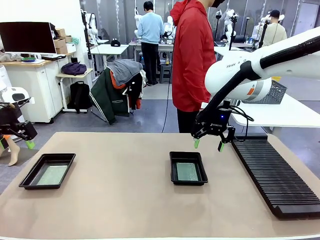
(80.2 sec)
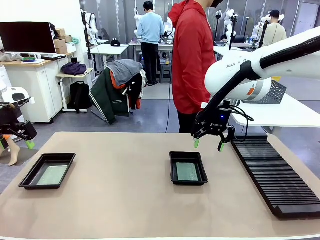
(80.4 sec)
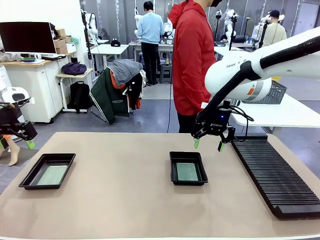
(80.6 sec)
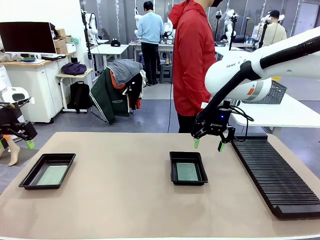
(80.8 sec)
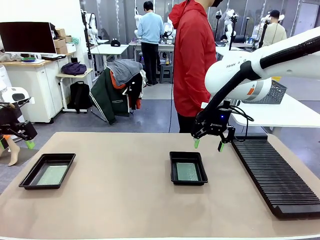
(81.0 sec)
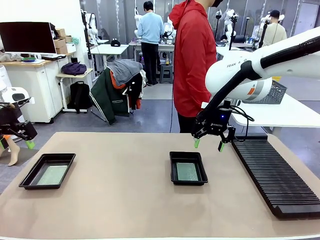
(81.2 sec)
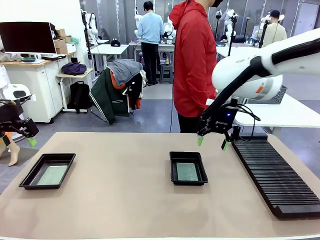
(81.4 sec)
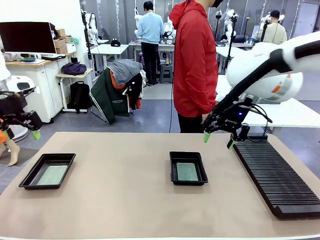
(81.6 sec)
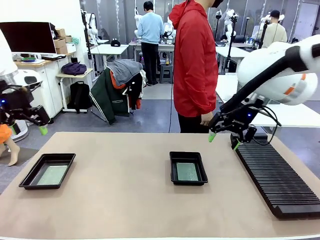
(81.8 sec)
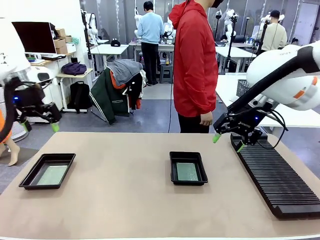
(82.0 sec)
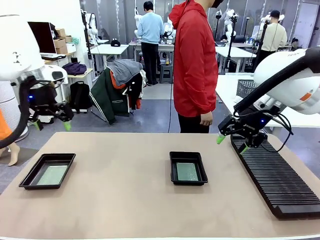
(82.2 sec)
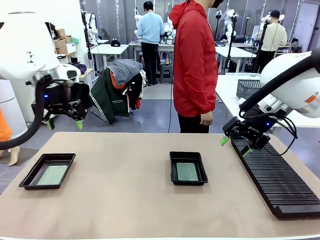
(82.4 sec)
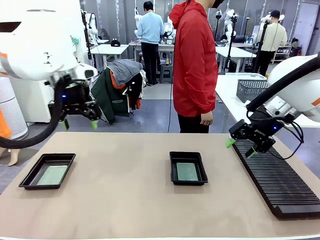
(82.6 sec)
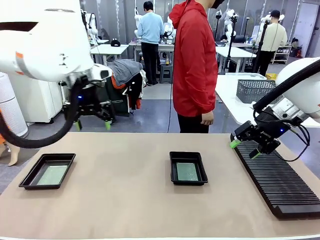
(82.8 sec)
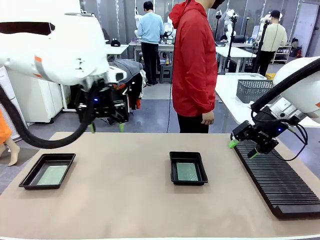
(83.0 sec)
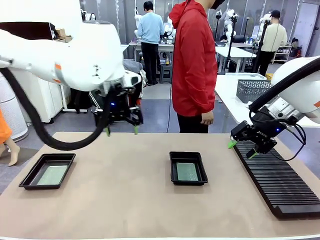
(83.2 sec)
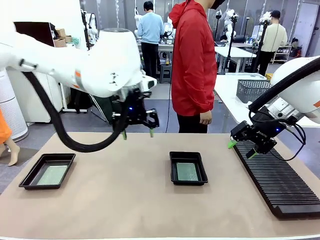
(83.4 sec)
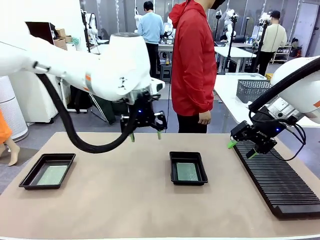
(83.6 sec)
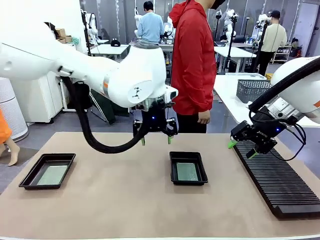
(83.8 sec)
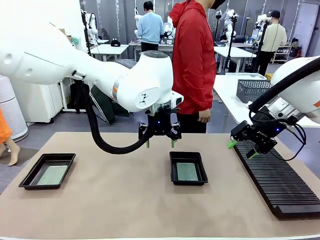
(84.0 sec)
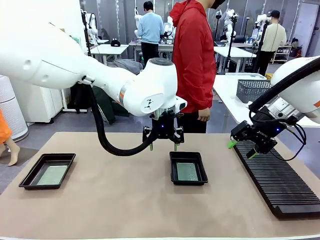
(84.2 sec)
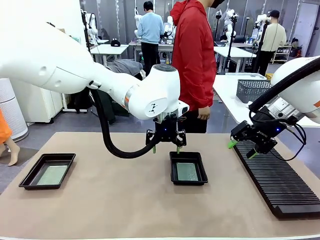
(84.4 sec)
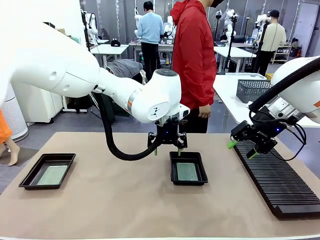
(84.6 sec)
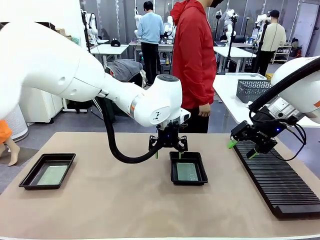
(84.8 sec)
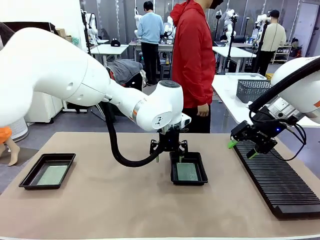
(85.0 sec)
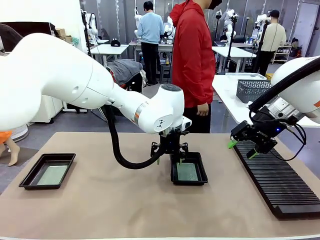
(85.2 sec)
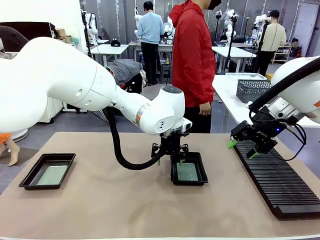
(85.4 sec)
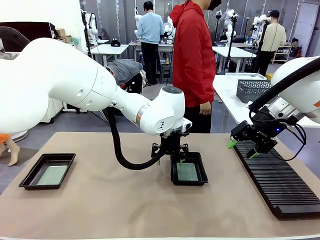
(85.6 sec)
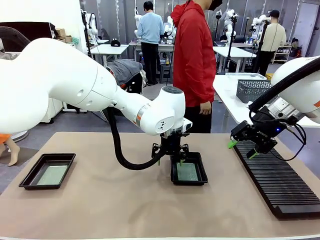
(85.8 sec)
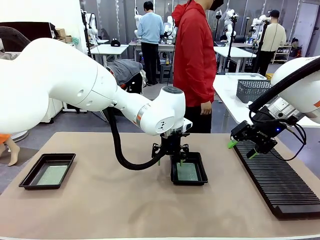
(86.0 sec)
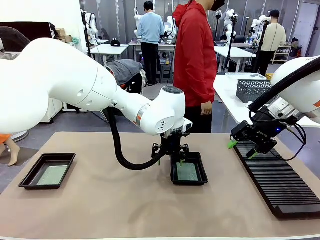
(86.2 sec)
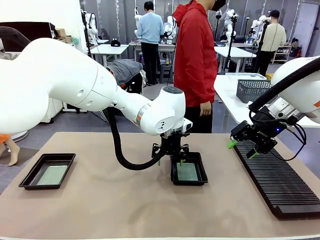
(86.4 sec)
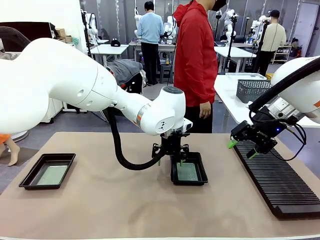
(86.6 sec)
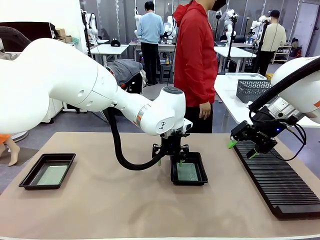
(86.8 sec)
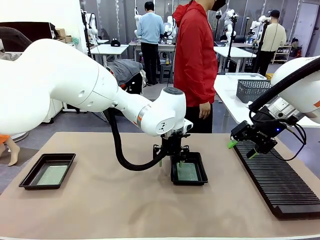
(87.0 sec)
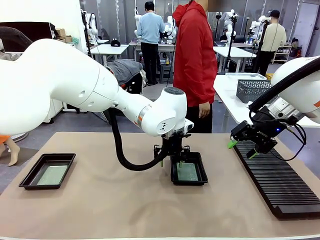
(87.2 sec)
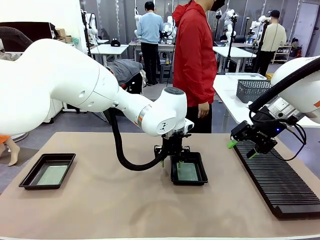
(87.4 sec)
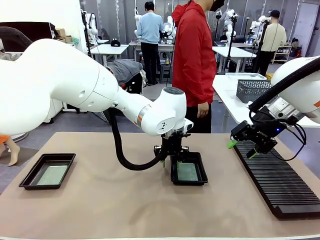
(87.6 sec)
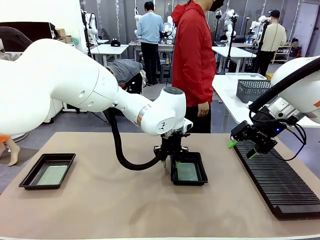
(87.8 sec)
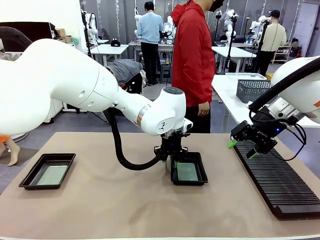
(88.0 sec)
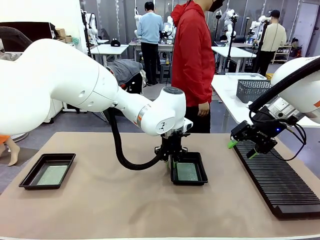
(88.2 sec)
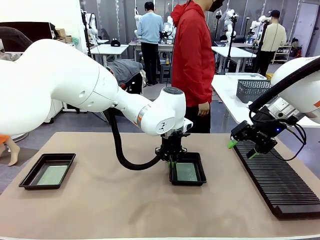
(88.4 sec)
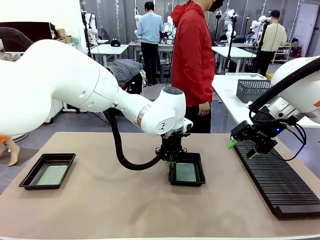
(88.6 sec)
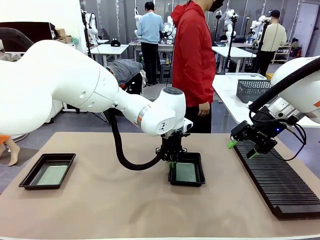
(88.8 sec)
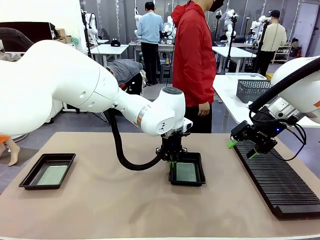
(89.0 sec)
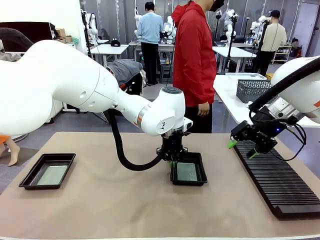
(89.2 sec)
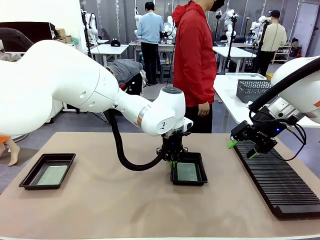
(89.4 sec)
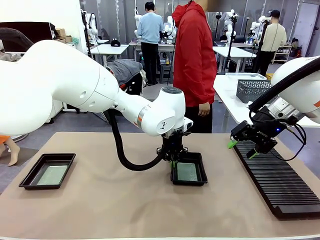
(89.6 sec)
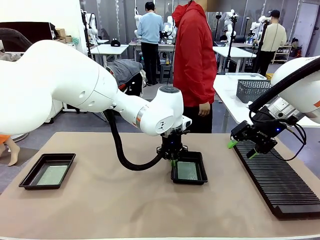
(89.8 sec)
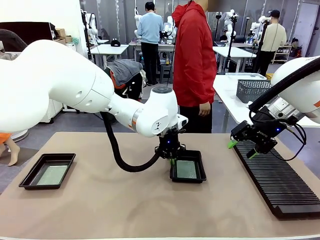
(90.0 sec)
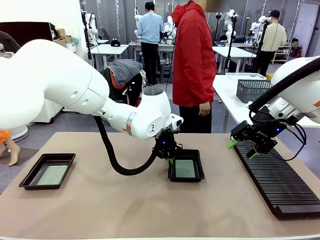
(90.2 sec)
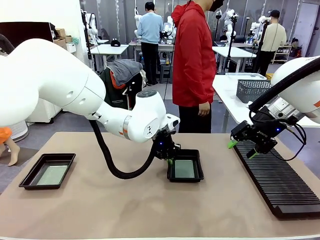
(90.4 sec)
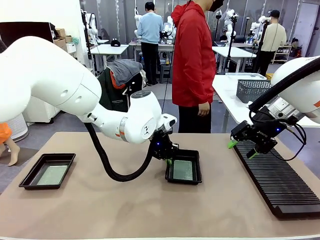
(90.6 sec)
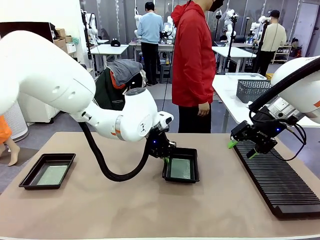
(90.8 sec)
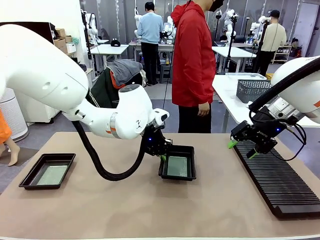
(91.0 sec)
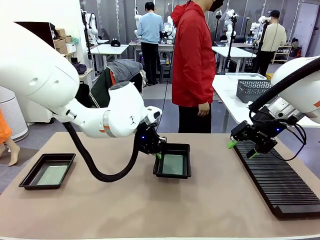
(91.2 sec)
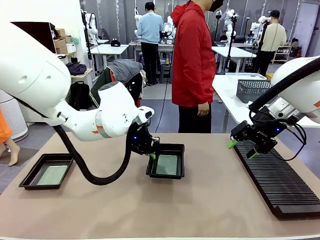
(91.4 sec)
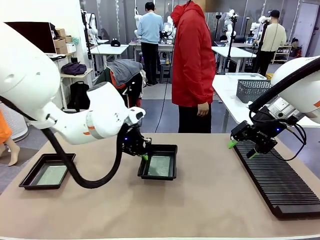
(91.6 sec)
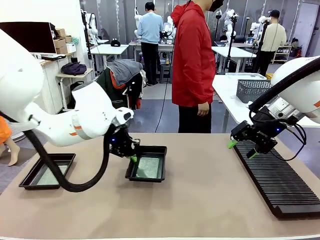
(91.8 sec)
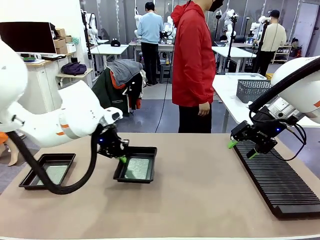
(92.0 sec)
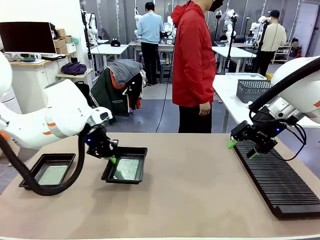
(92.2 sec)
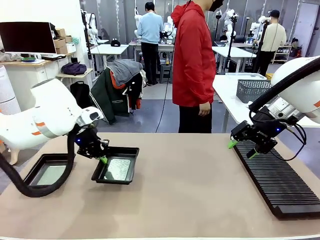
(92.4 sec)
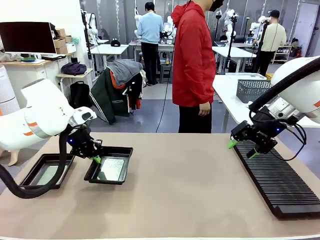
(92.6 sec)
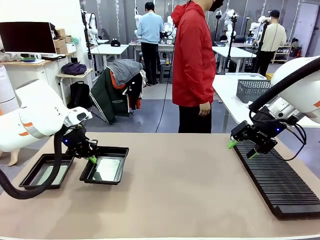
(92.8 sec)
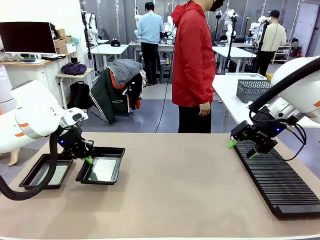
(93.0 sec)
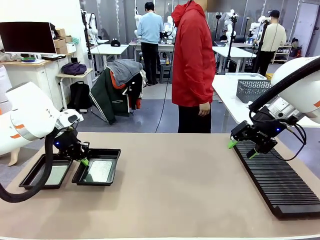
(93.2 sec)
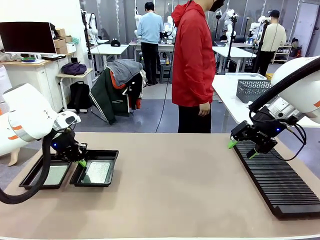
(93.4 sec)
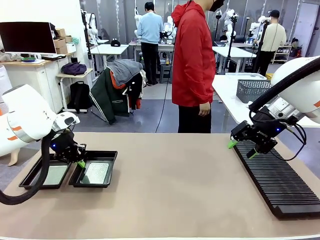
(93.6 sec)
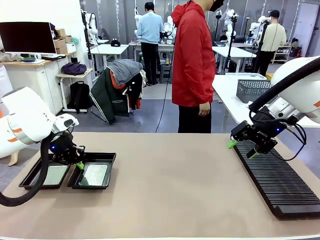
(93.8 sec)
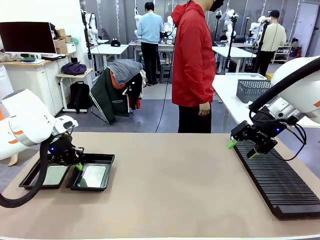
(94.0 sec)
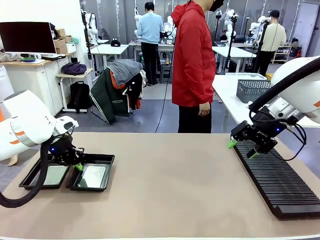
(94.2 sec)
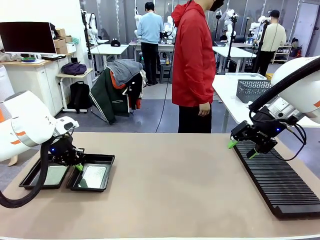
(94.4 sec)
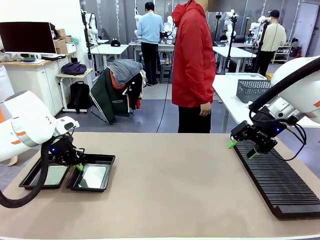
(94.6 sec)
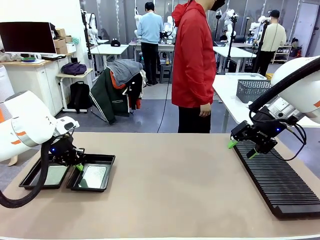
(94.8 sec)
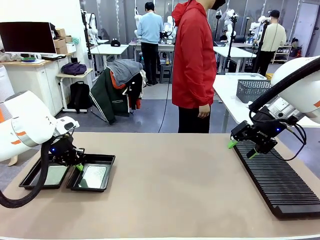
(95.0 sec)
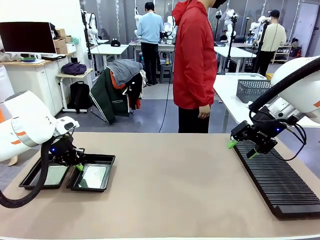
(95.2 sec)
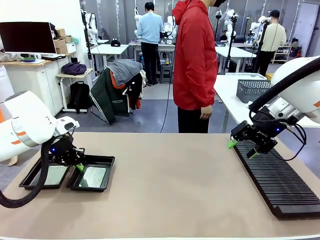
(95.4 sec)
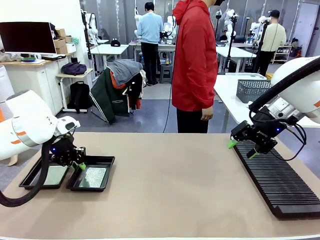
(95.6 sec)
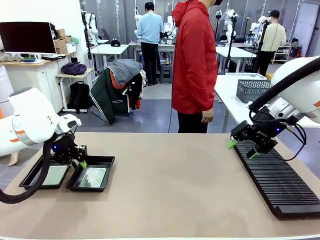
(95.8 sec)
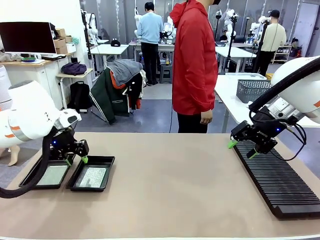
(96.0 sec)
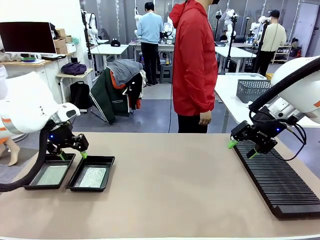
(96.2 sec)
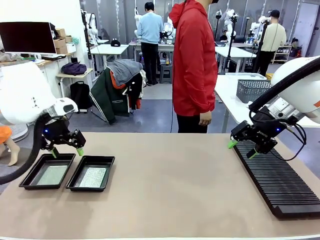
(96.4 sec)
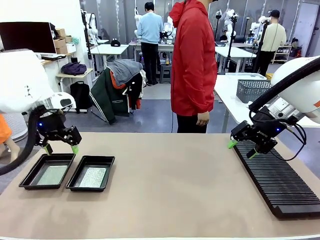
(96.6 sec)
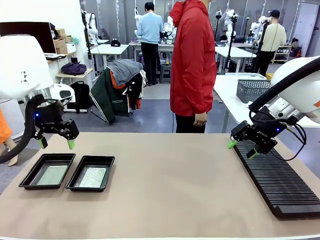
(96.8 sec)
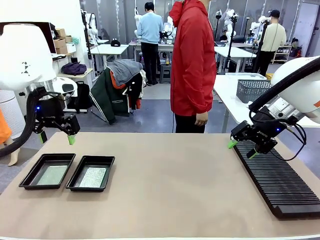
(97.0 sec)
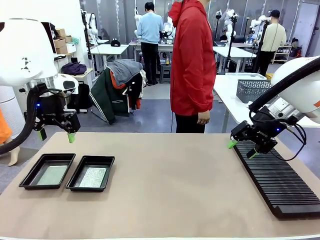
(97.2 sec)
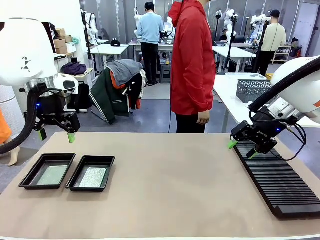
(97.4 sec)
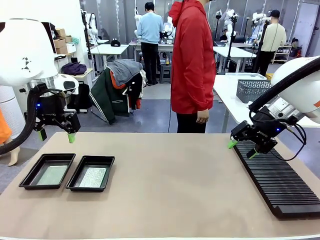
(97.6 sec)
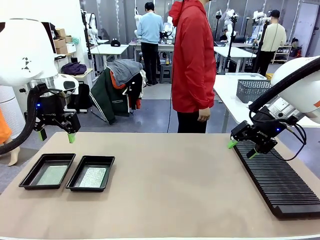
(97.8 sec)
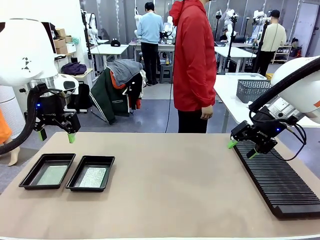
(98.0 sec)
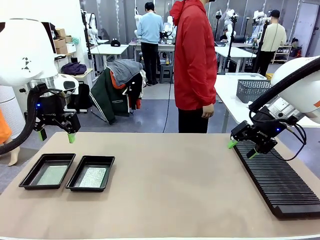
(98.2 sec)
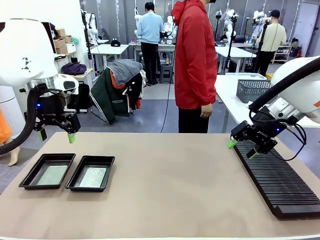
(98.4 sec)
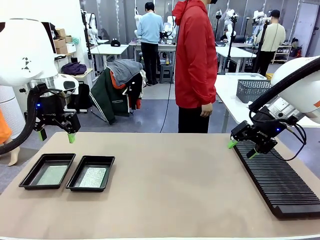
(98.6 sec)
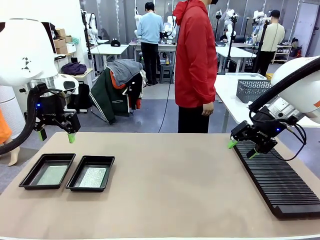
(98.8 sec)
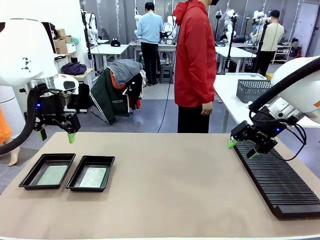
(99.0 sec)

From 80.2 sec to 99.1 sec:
Task: Inspect and transfer BCBs to ESD trays.
Robot: Pick up the ESD tray and place it on the left side of the table.
